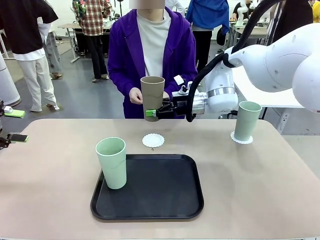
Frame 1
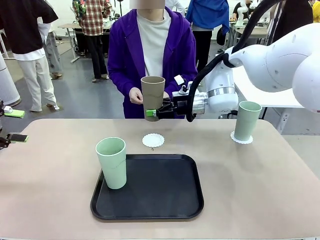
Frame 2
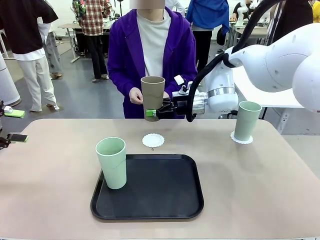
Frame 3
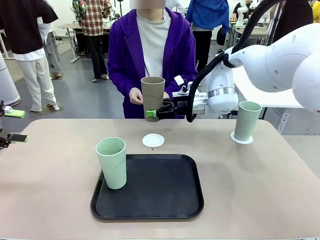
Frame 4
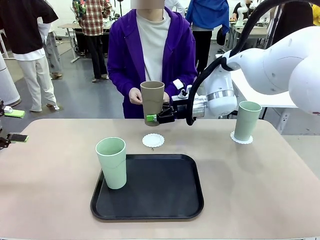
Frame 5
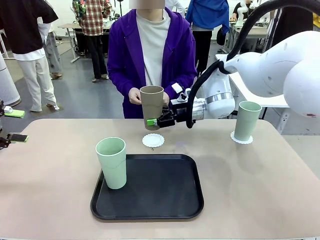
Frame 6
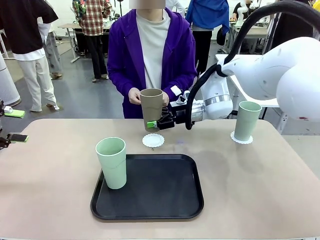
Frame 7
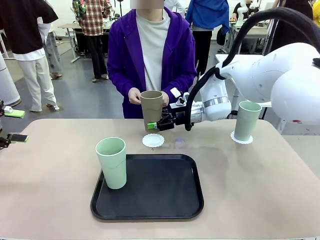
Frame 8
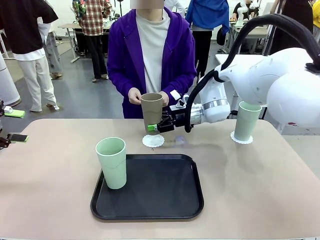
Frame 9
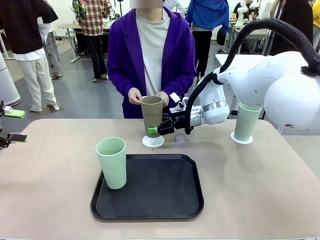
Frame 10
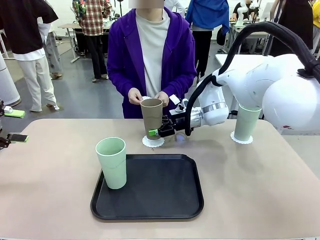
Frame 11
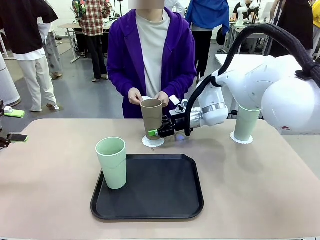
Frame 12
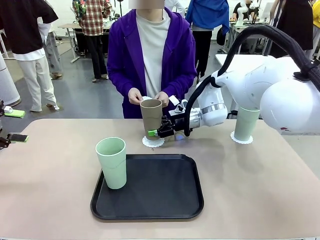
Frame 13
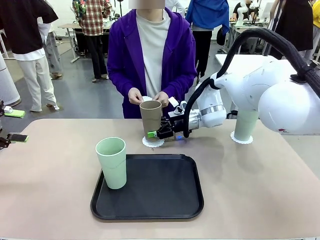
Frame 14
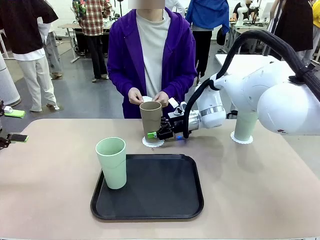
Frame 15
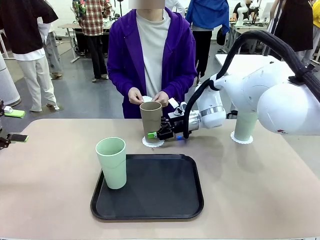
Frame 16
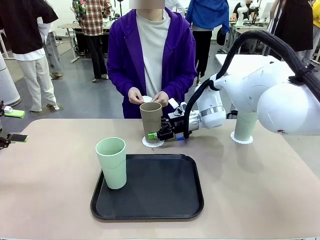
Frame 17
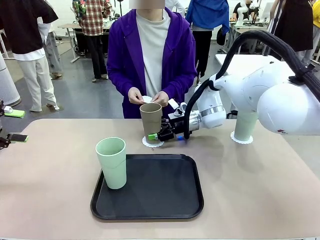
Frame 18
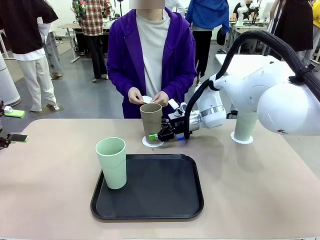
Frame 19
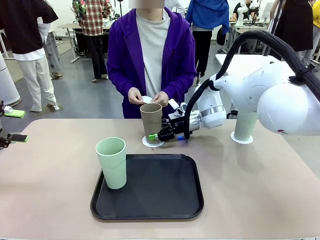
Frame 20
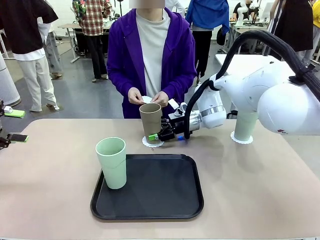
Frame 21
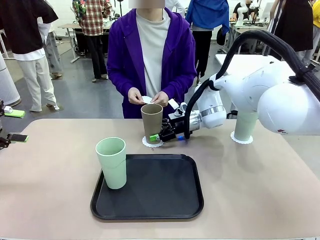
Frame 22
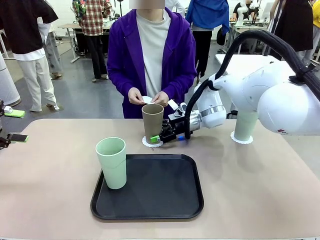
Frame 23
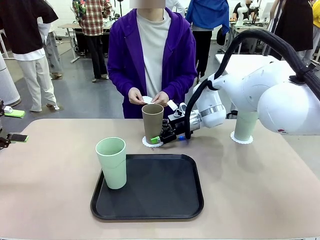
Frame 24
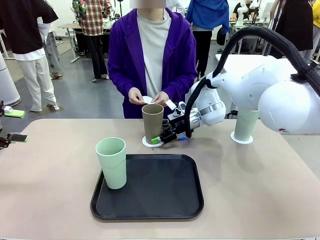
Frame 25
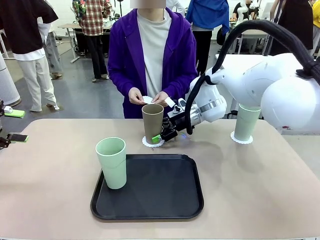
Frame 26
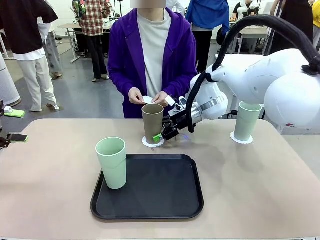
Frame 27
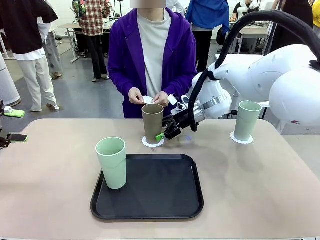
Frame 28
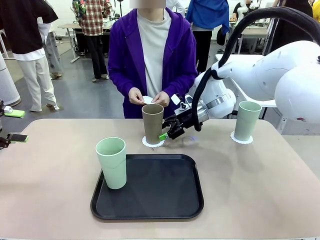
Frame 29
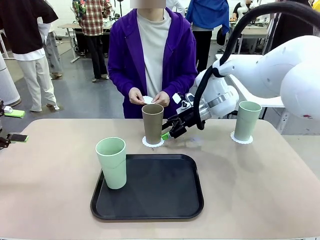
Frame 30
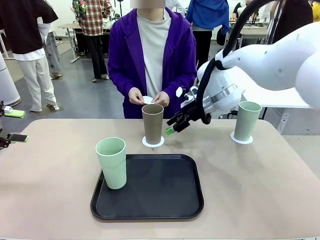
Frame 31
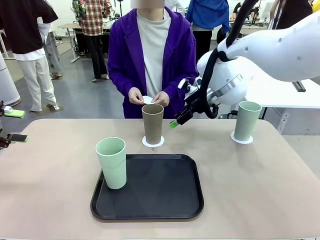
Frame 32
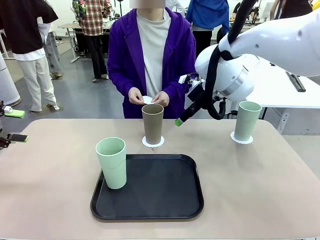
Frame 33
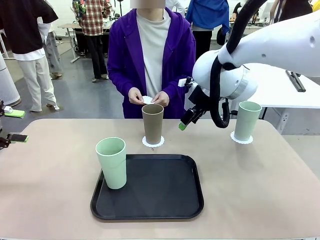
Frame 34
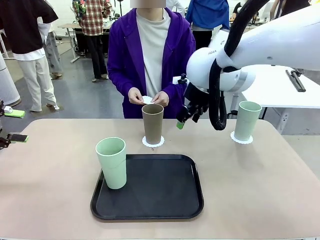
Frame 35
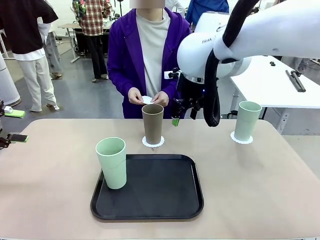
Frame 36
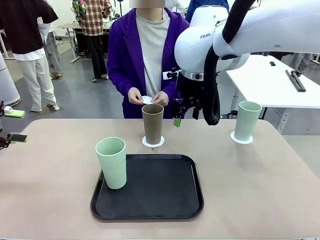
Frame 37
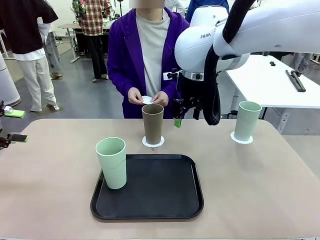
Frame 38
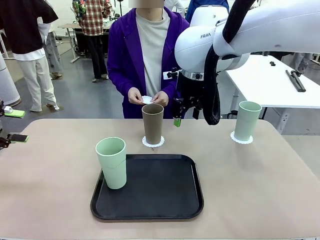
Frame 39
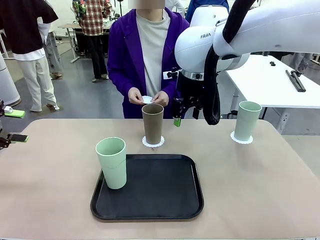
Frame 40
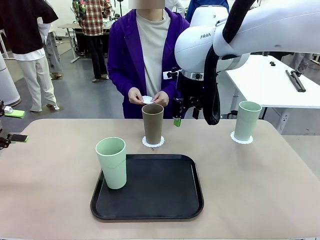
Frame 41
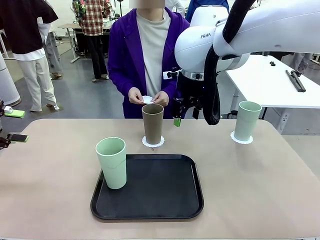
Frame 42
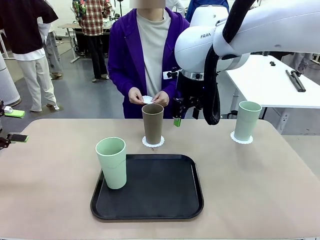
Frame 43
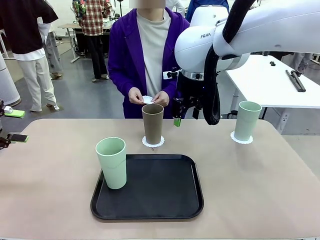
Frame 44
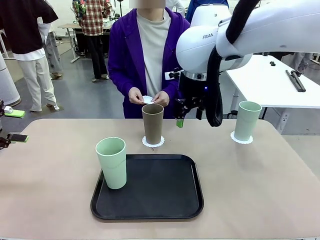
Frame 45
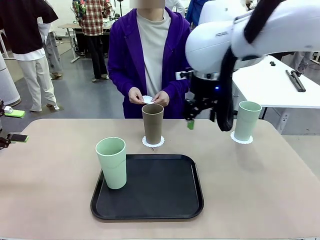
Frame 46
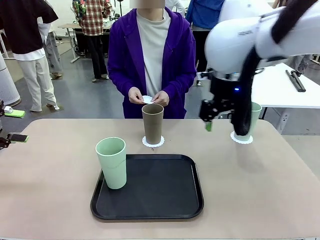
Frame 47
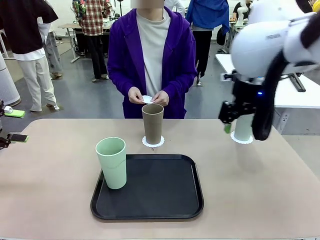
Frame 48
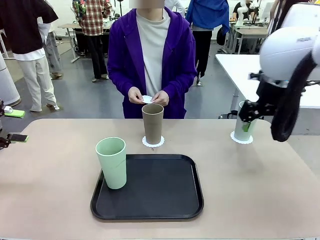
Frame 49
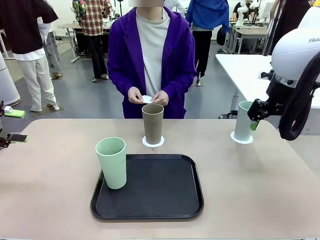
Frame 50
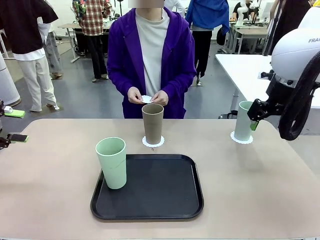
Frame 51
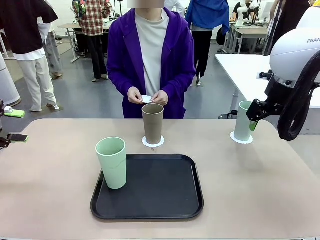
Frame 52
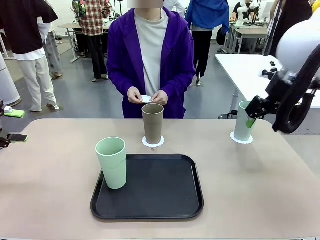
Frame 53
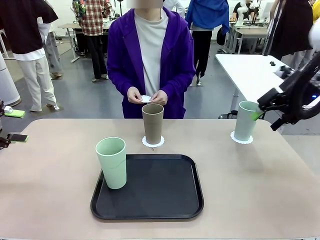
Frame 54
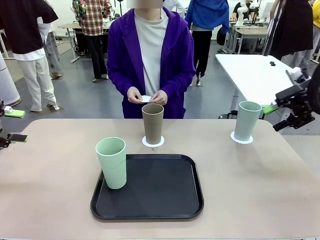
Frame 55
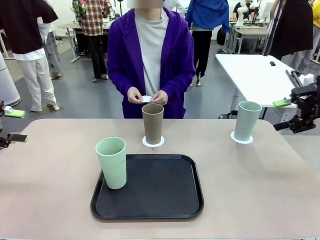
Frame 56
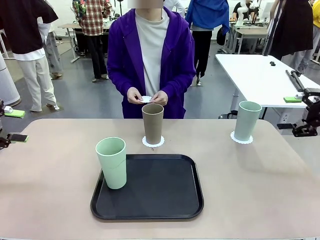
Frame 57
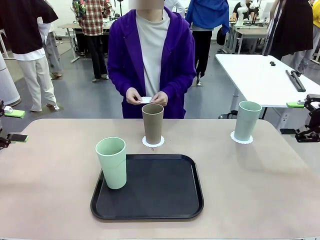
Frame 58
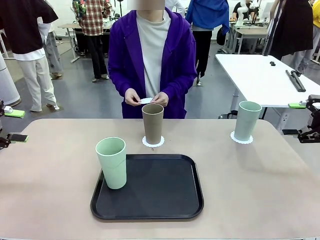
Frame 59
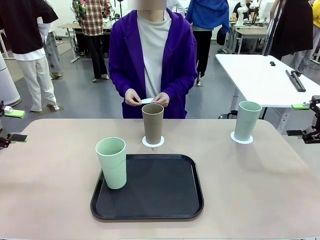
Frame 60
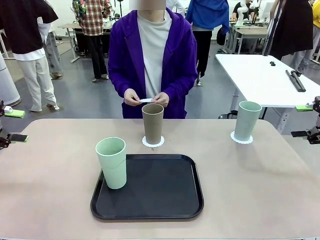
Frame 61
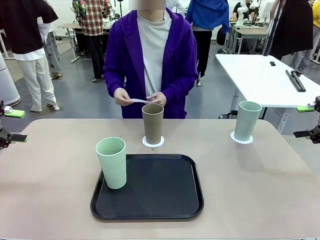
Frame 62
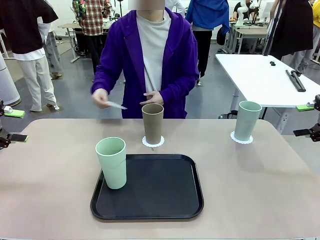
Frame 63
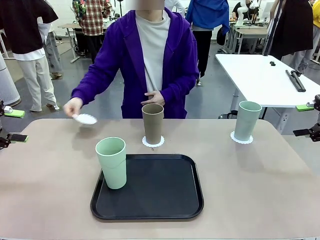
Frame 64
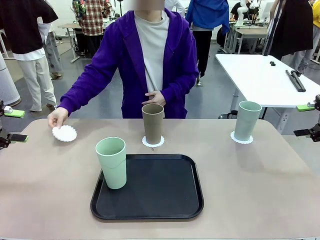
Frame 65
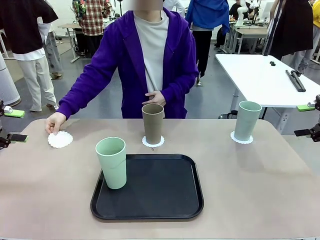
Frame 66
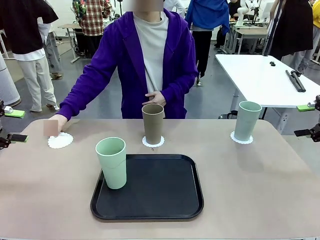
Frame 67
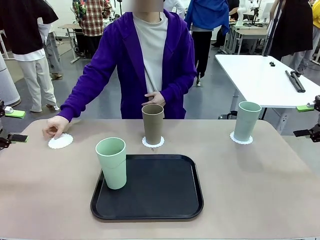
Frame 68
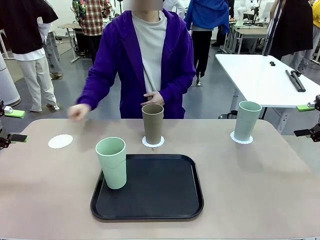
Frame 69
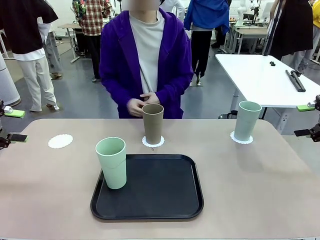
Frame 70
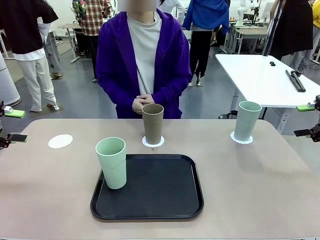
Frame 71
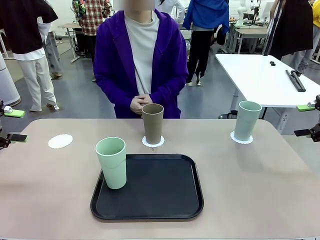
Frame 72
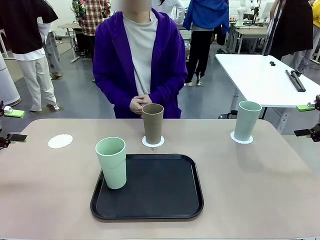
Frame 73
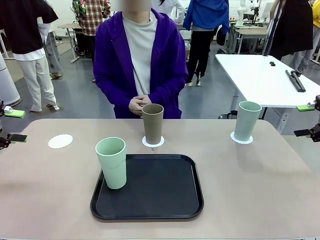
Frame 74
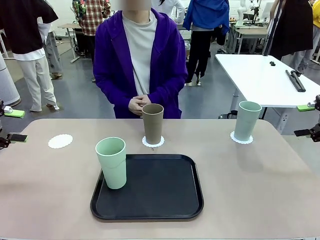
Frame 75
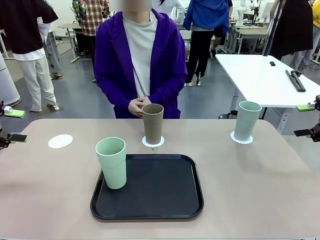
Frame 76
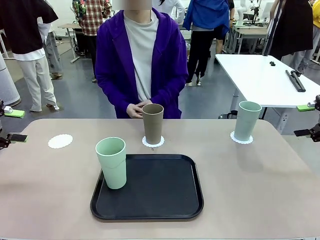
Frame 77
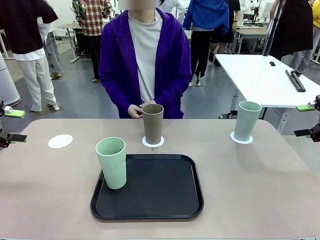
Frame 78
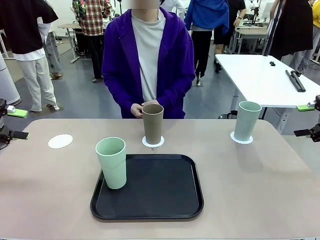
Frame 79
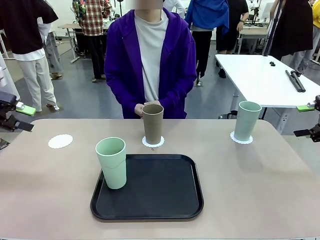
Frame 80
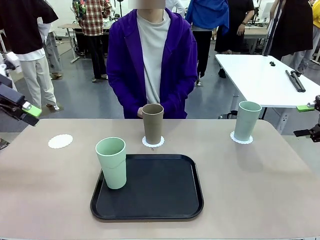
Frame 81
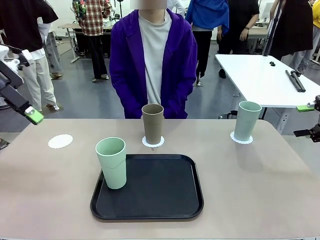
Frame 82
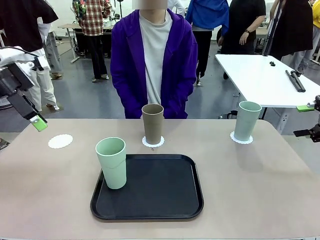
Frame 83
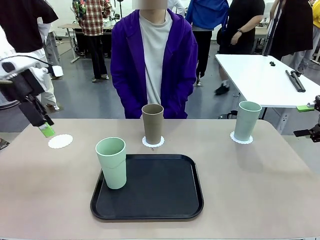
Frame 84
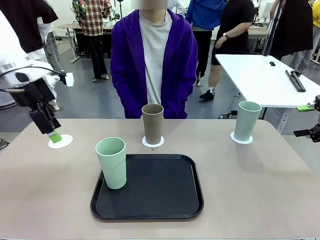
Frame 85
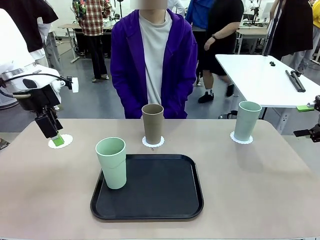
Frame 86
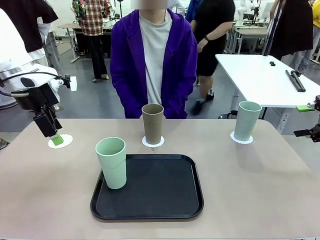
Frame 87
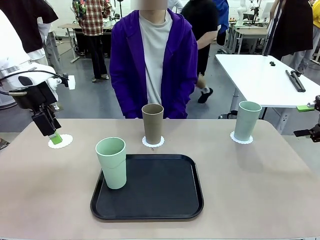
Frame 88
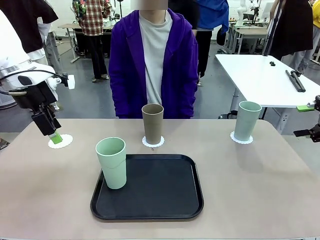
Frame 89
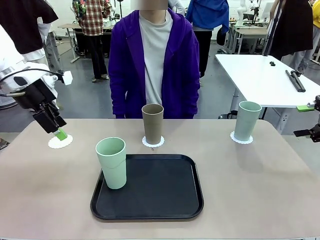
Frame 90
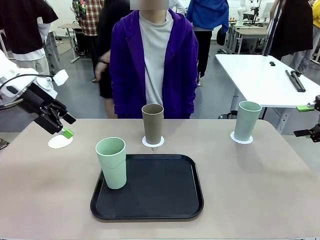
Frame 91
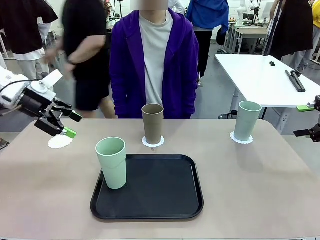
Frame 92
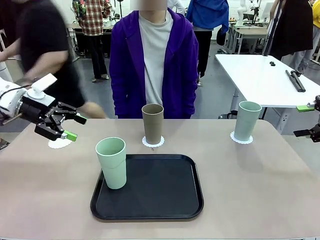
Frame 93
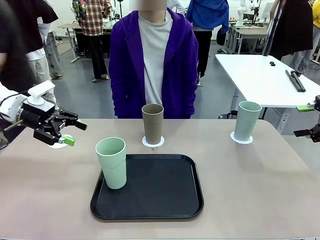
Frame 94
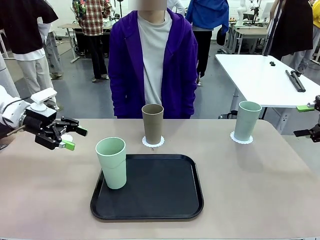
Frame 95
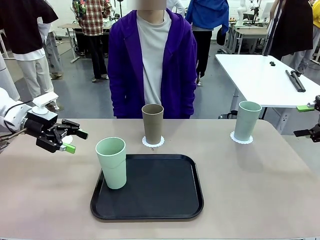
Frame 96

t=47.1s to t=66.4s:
Task: Place coasters on the table and set cups on them.
Robot: Take one Reusable plastic cup from the Flat Tray and place it on a coaster set by the human.
